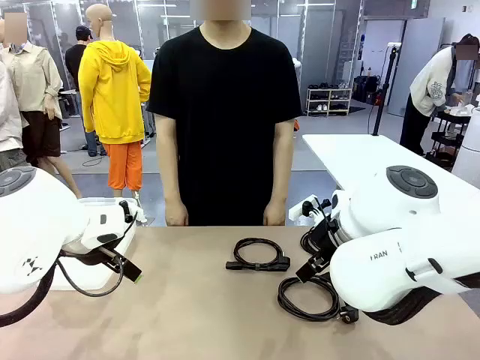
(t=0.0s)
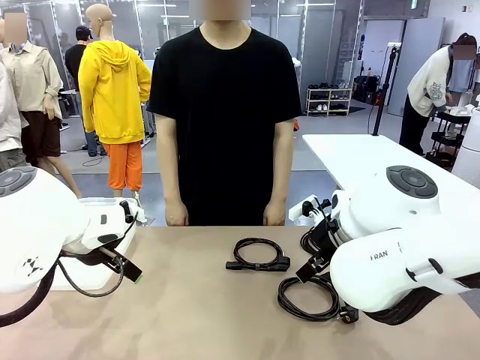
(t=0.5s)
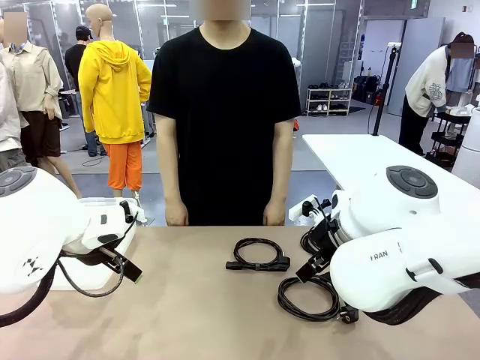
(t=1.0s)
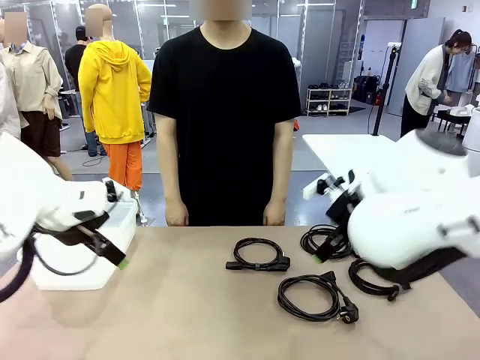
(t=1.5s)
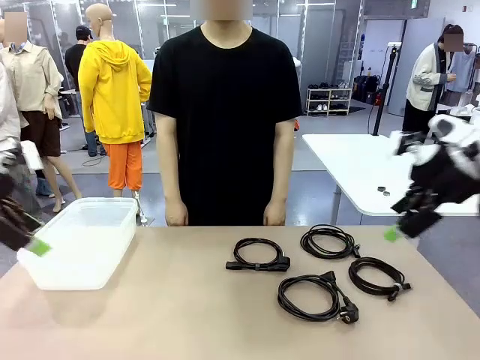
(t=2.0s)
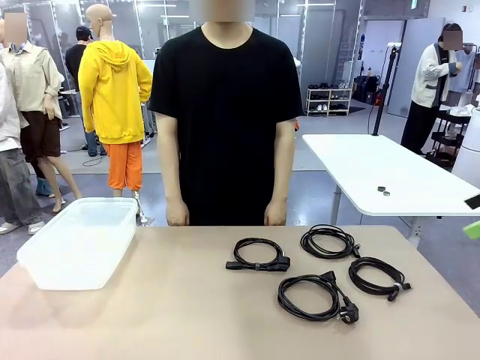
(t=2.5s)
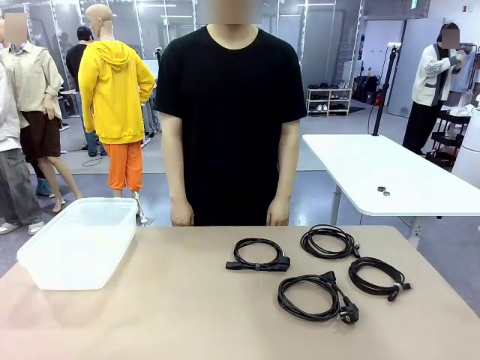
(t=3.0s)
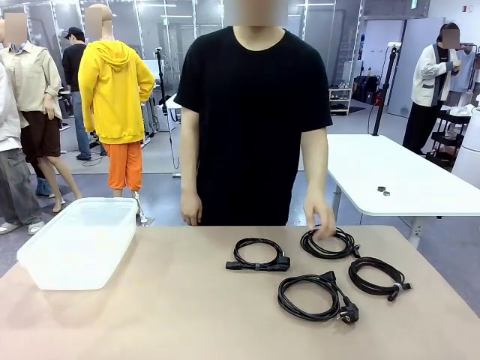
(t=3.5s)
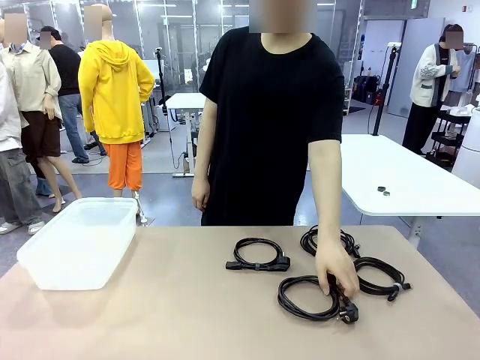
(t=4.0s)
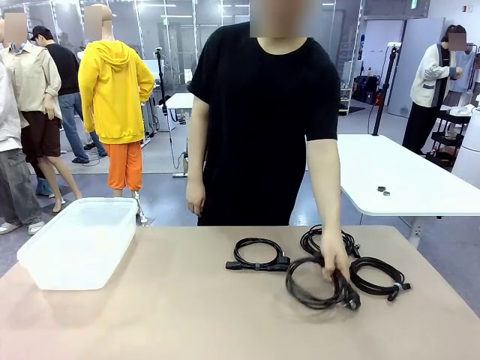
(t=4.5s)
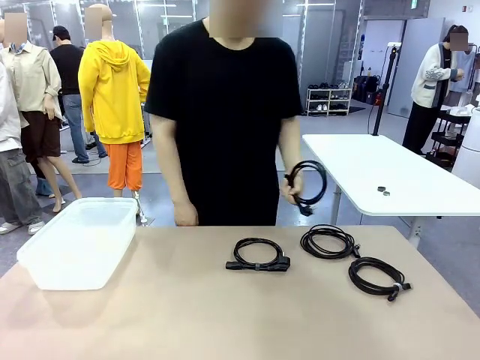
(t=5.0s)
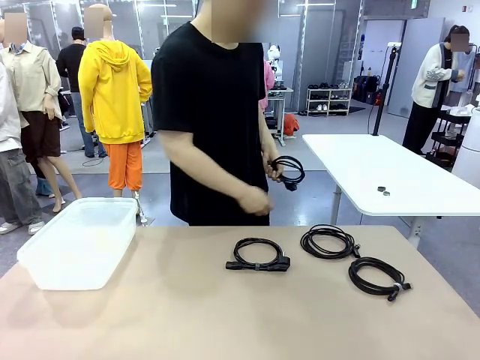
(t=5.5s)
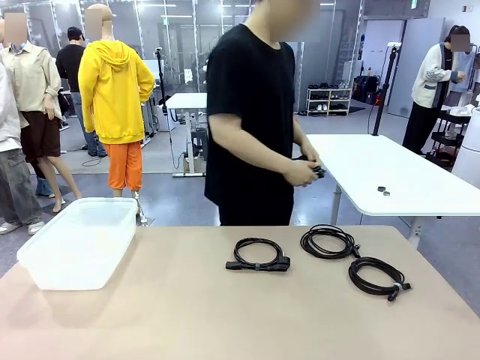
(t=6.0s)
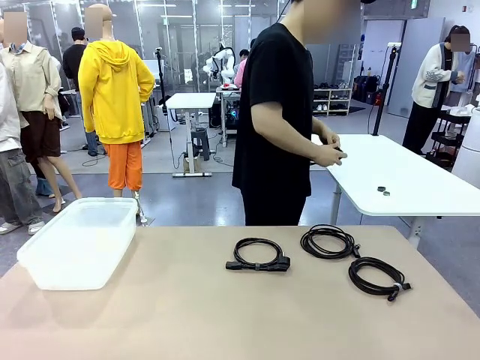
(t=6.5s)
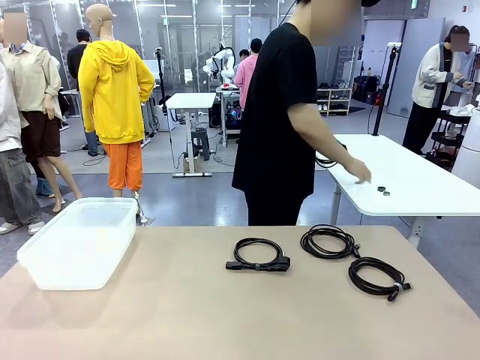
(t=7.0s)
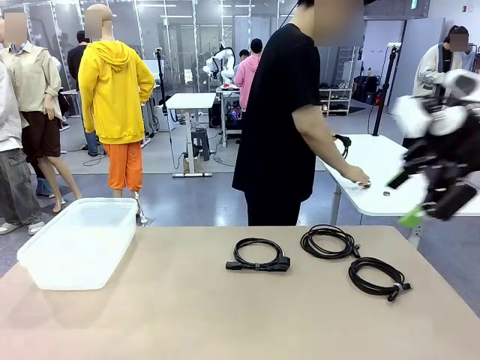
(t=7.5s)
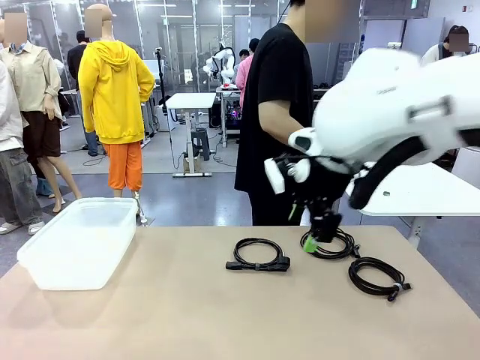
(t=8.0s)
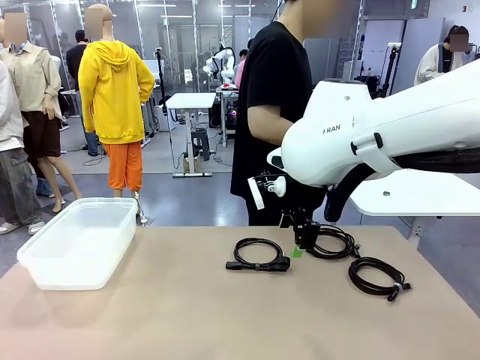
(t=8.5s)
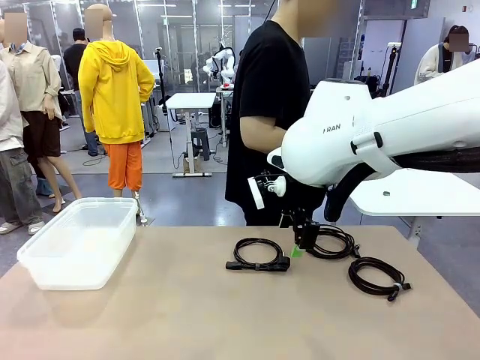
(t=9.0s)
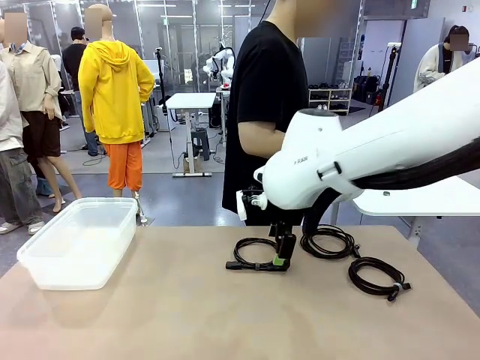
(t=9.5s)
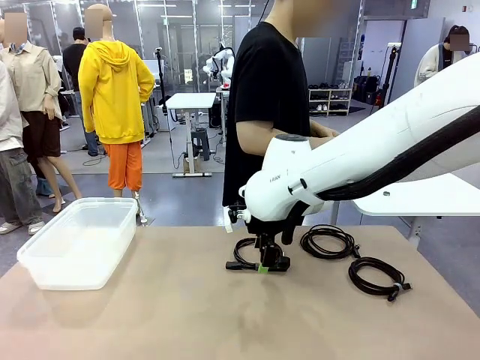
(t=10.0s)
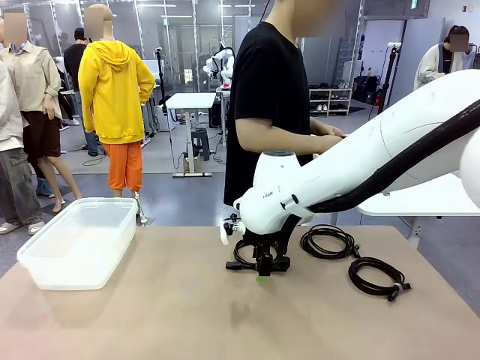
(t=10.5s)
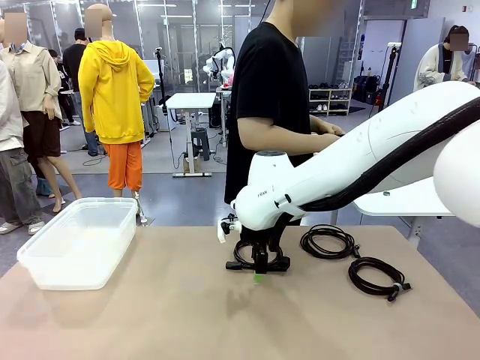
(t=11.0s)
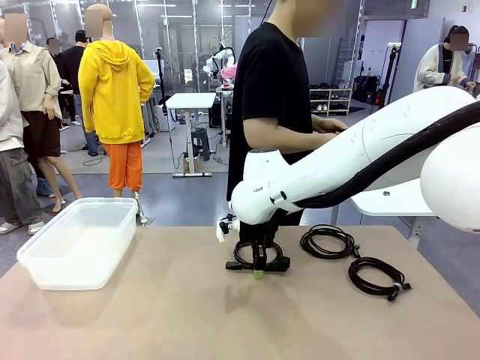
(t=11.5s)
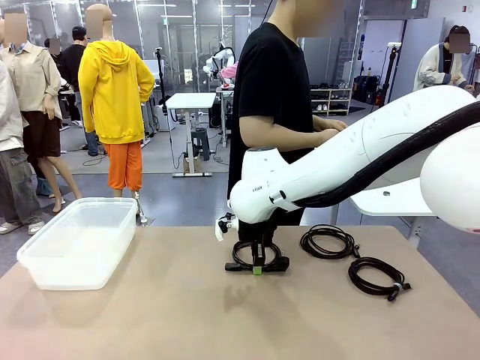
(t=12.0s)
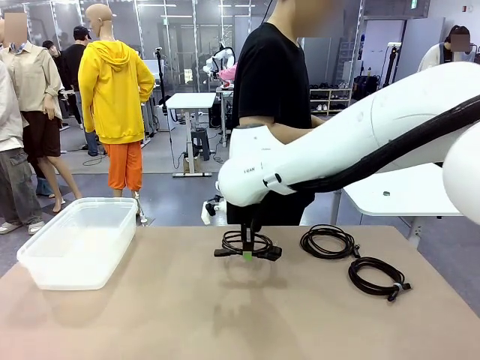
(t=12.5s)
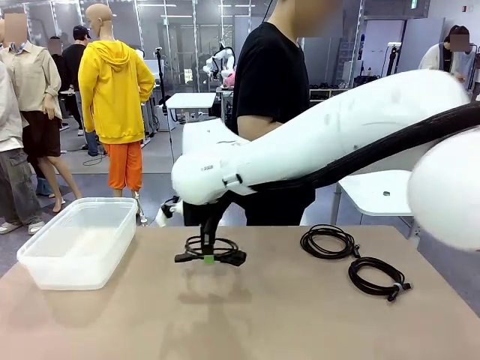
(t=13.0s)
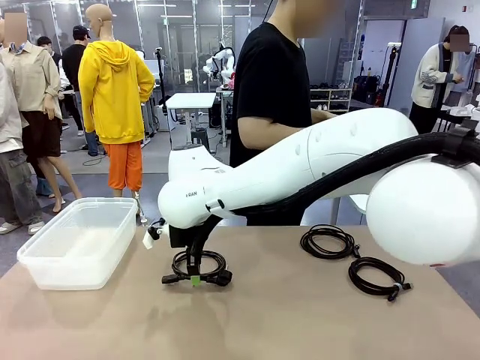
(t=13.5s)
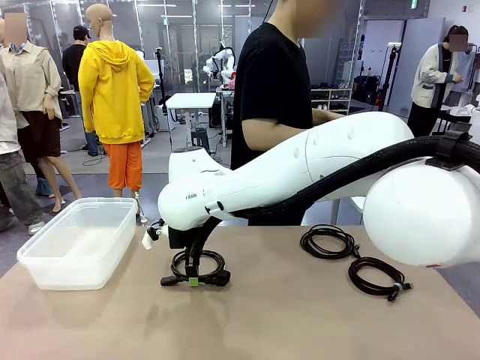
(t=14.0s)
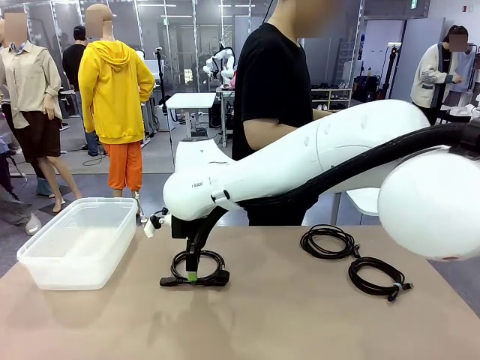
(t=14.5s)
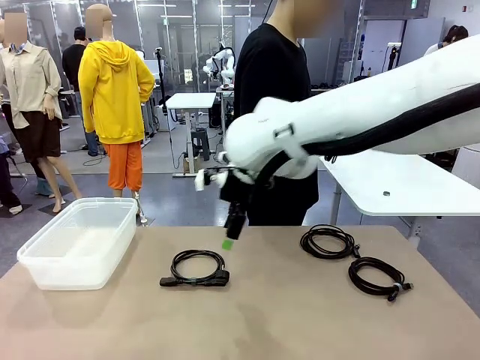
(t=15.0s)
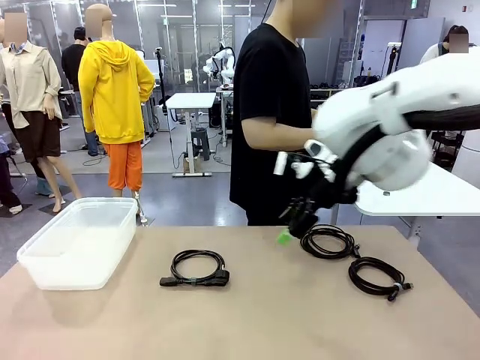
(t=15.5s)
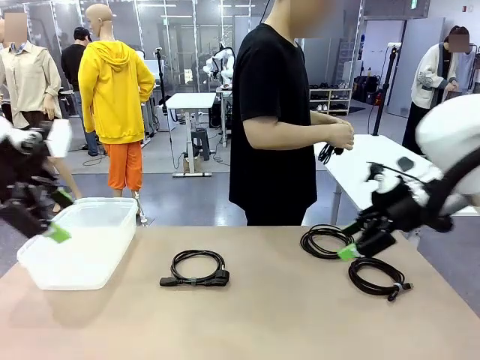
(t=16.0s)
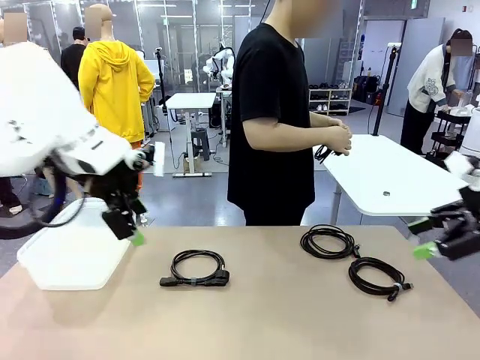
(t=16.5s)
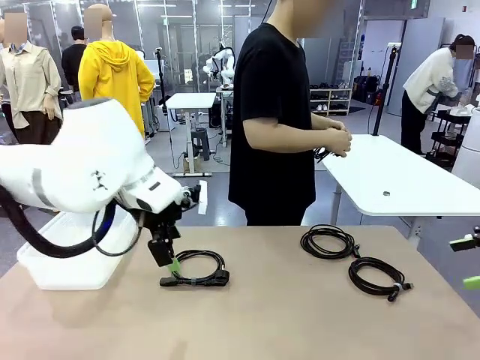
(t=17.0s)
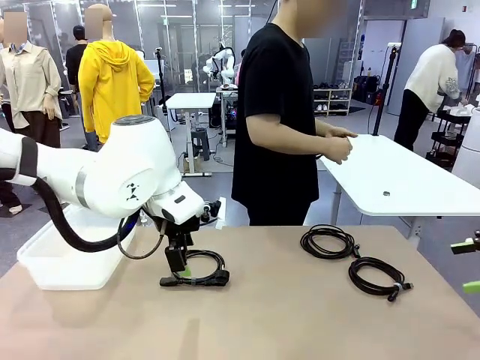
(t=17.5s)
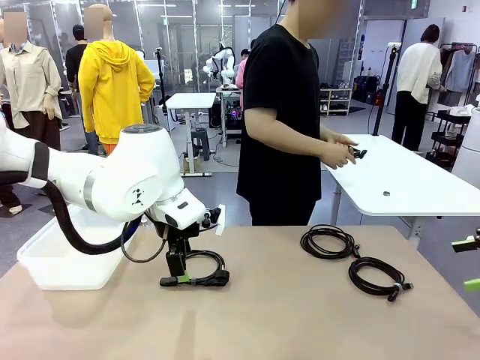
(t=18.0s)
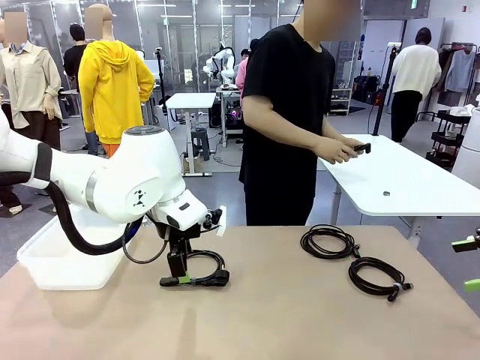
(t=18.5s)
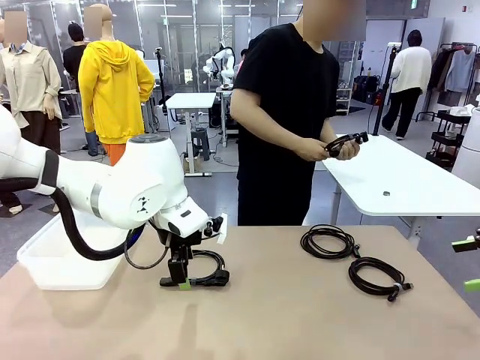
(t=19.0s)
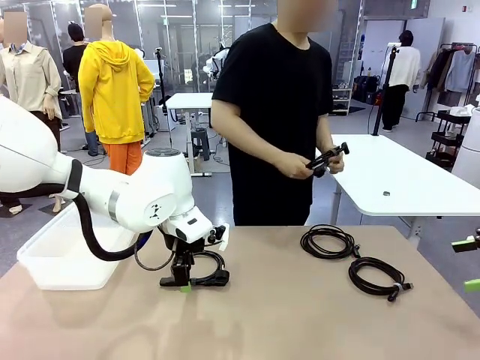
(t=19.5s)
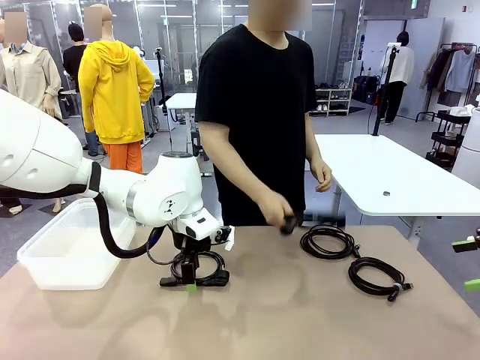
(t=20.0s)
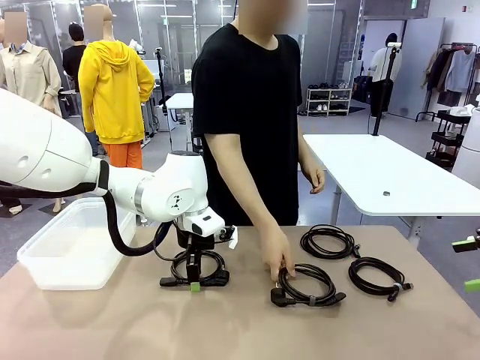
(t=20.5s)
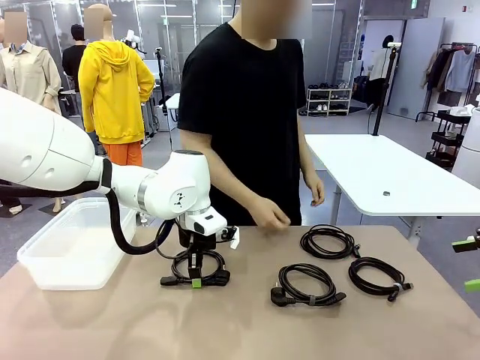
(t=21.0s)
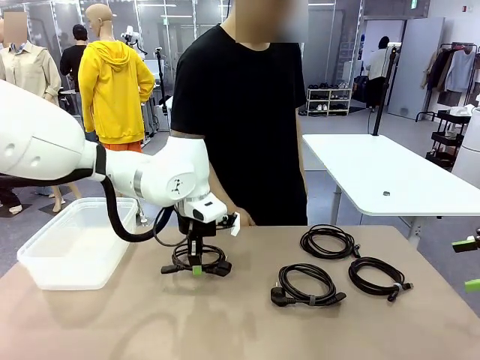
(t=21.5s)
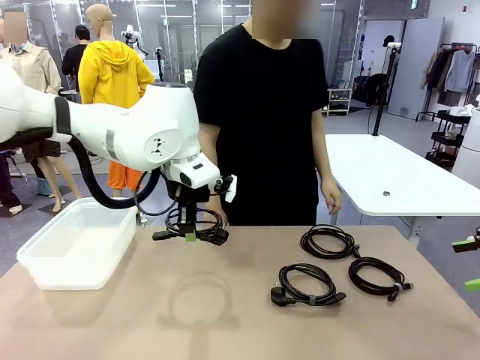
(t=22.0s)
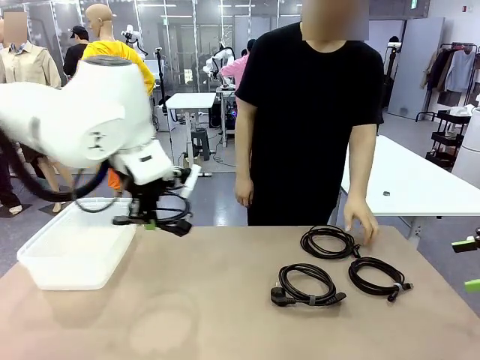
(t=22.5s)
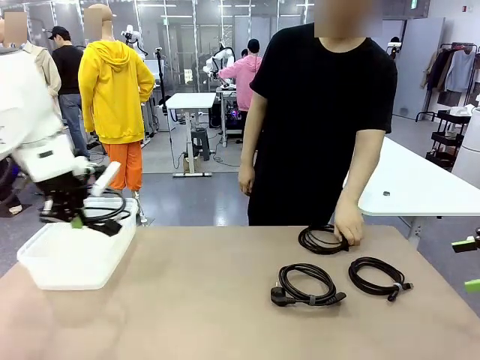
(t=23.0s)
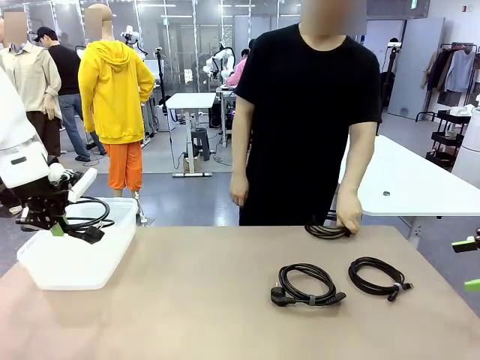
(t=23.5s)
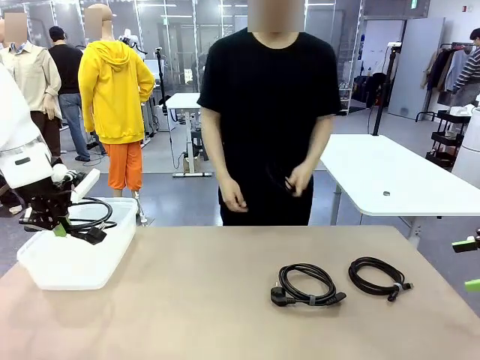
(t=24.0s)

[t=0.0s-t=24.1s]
Task: Organize and store the cables.
Robot: Place the Power Cable into the Organizing box.
Person: Tie one Power Cable with a Reusable Cable Tie.
